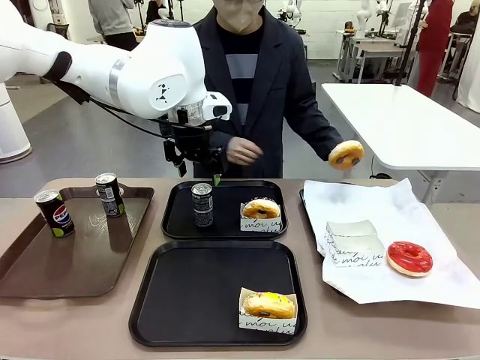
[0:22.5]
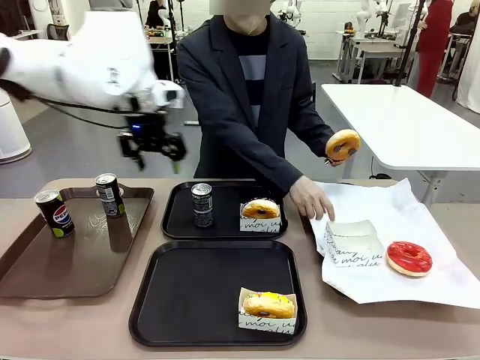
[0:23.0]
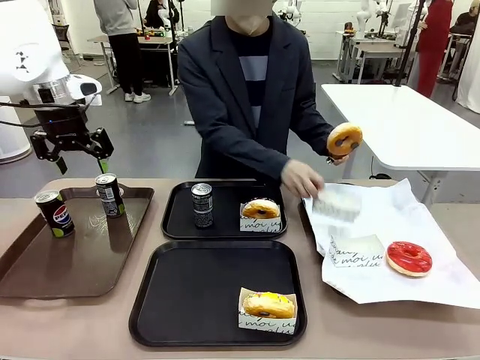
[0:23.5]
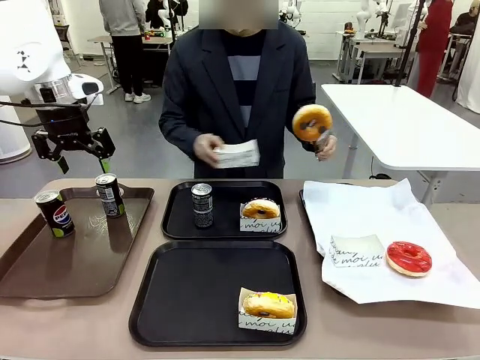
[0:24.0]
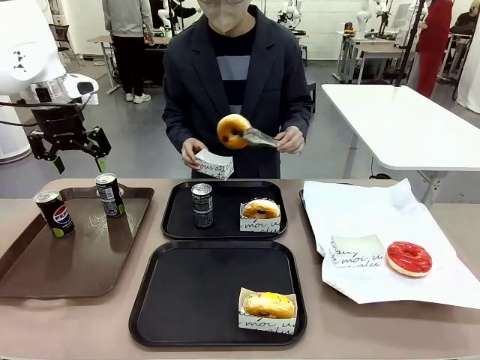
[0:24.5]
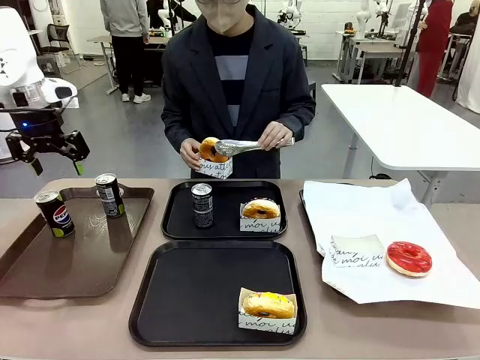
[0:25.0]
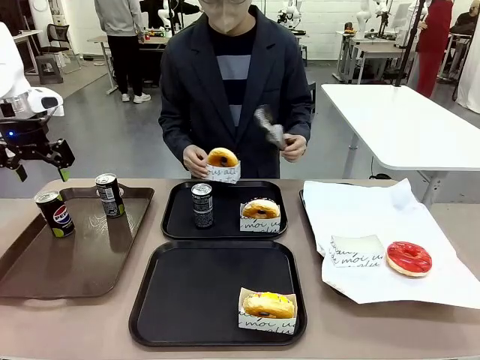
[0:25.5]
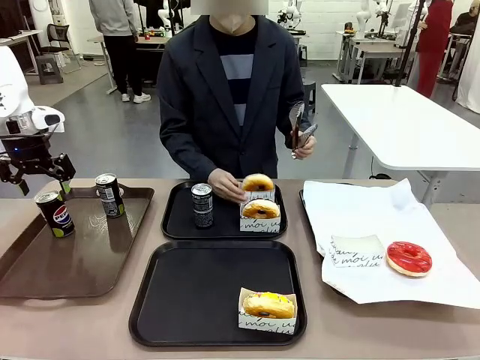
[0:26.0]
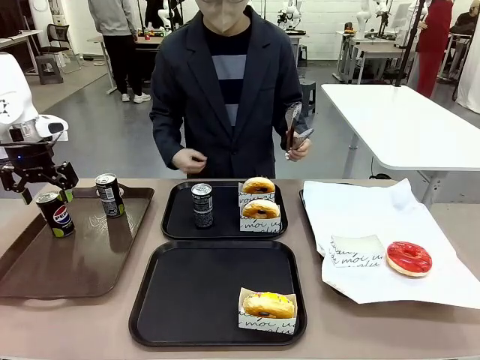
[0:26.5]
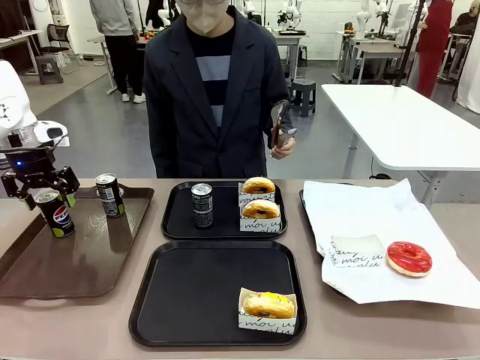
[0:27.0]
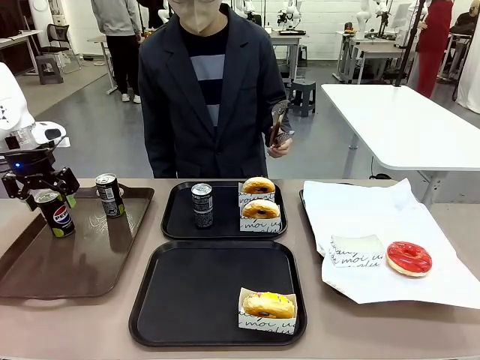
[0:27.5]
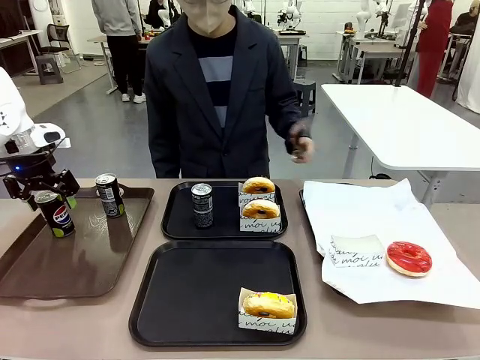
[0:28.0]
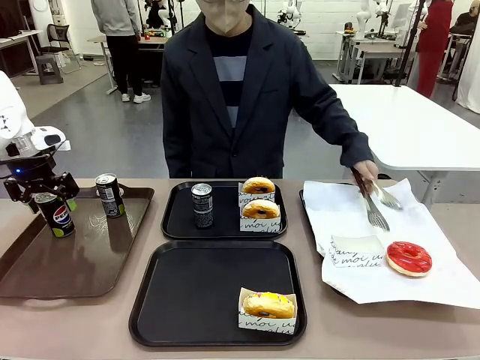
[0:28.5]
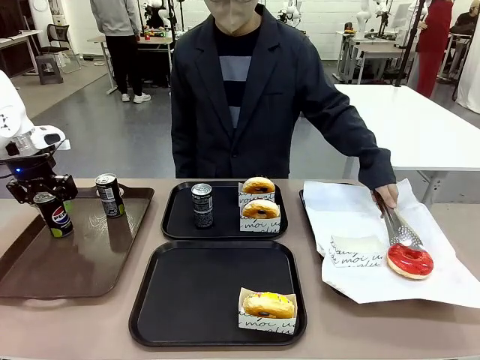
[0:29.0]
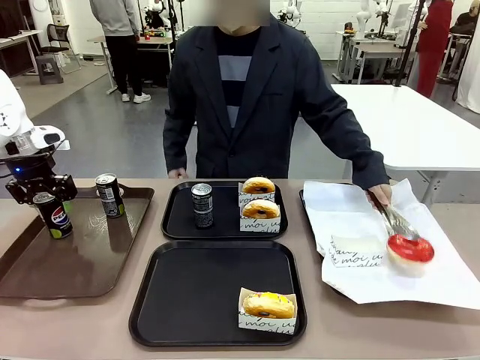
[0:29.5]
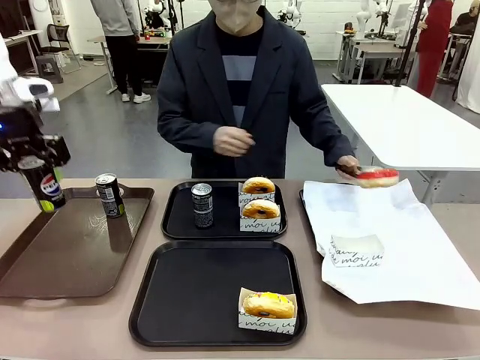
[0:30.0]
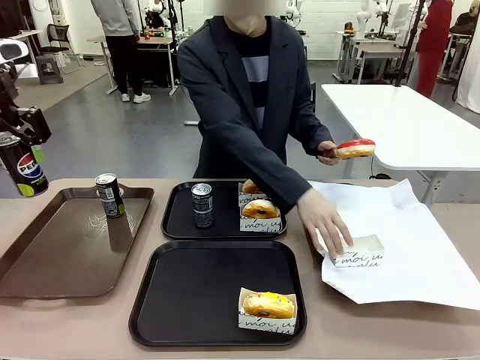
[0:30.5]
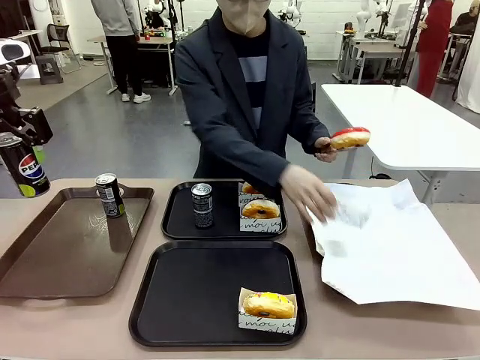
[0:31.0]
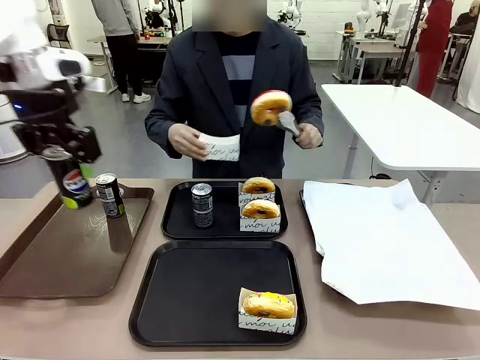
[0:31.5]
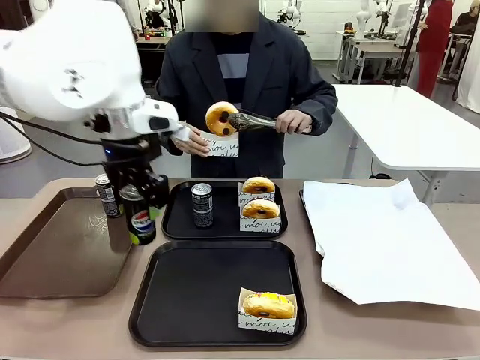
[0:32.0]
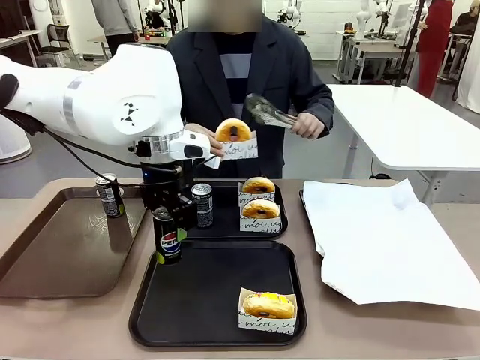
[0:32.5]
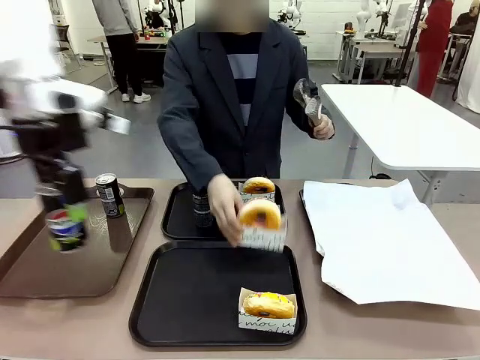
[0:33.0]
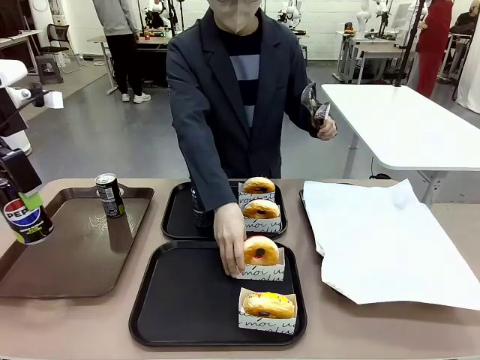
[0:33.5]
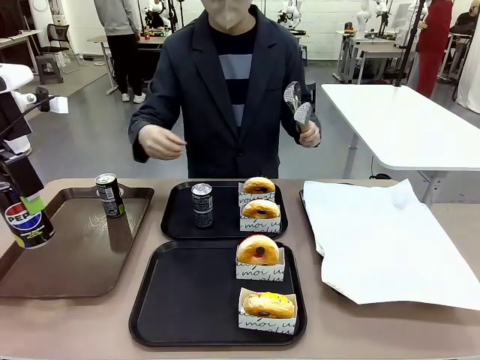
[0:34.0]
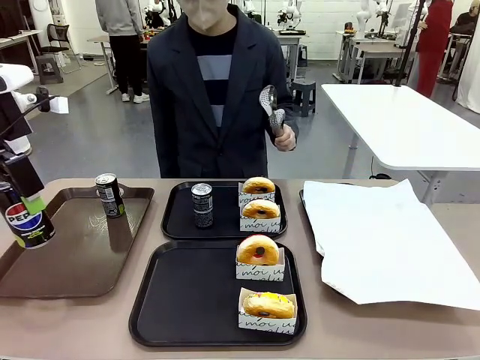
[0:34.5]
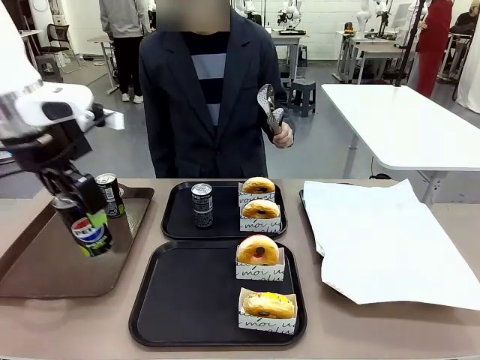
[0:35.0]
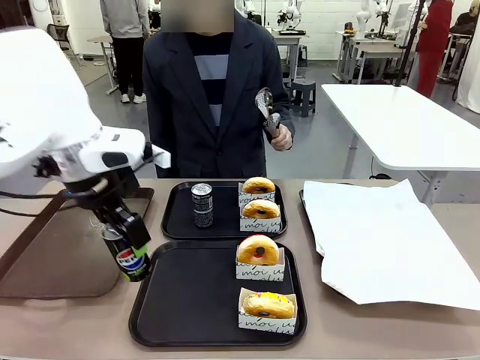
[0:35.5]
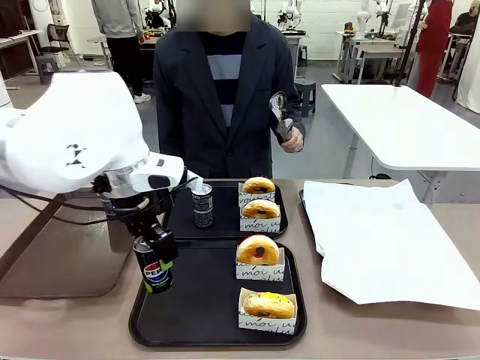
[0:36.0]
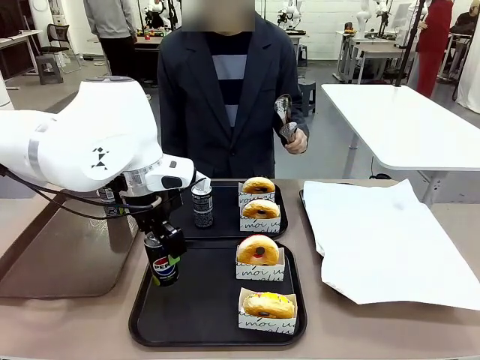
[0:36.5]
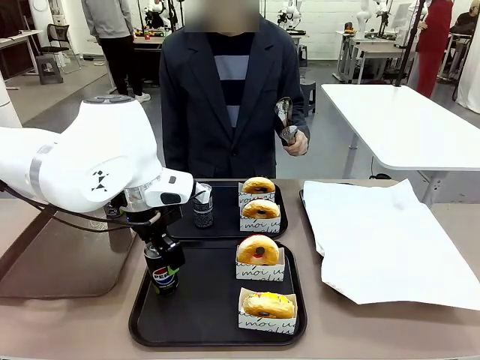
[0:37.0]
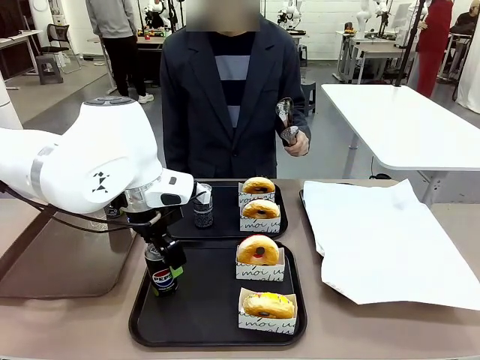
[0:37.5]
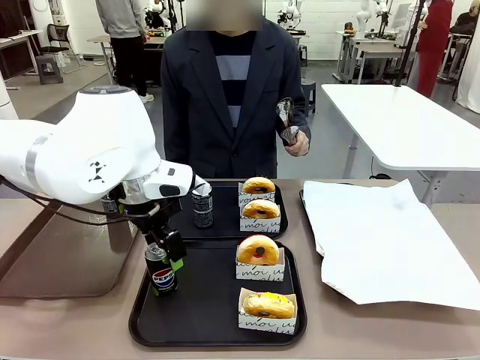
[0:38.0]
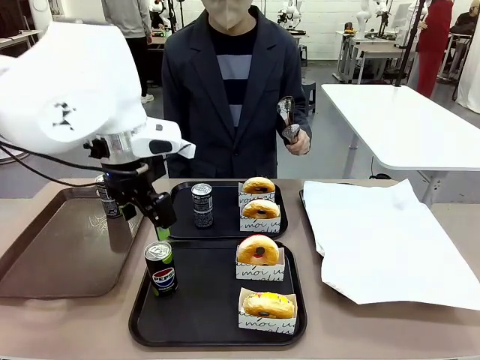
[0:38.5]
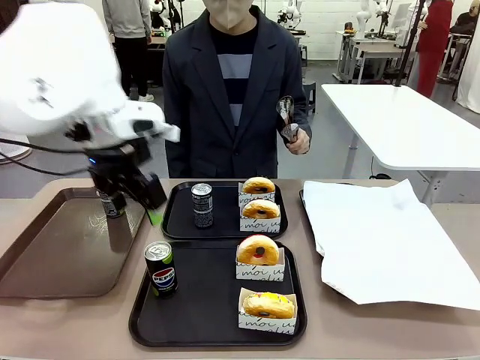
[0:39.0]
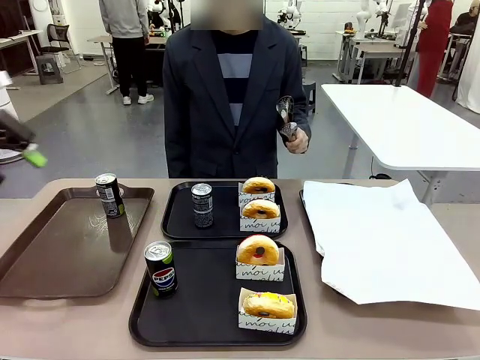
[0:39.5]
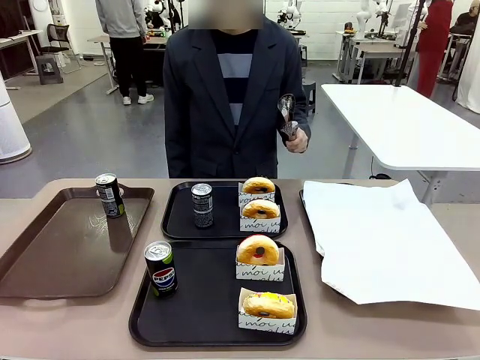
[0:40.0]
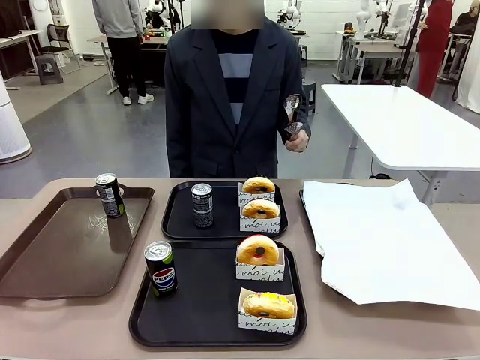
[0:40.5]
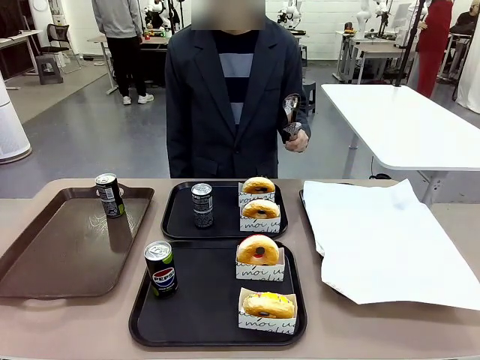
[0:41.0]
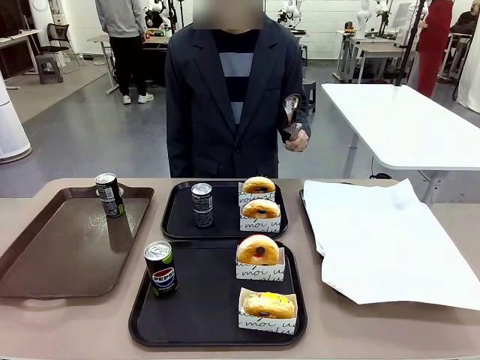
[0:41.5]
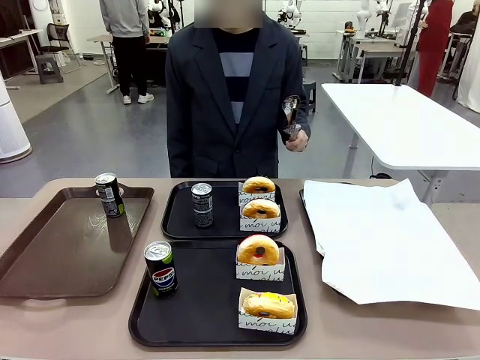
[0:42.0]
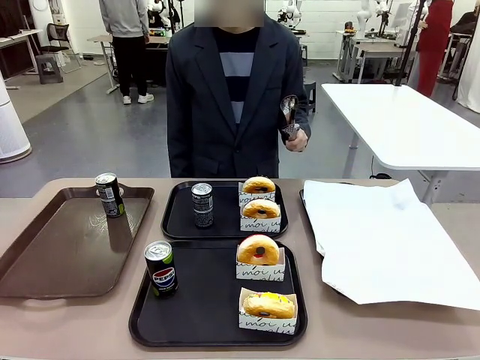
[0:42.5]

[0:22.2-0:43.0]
Task: Set up donuts and drinks on trays.
Robot: Pick up one Pepsi coke from the Handle tray and place it on the Flat Tray without a Pepsi coke.
